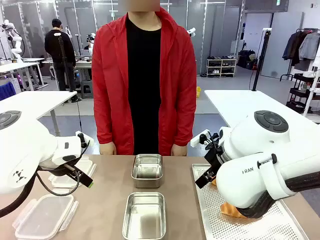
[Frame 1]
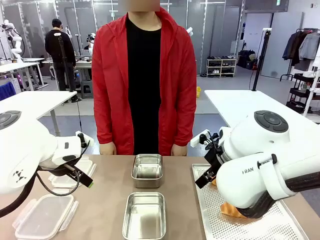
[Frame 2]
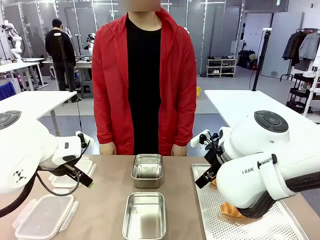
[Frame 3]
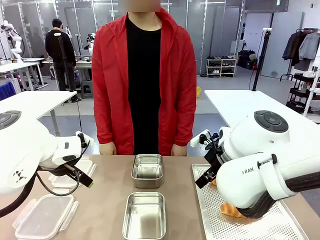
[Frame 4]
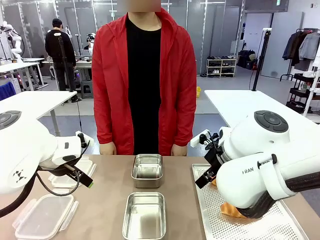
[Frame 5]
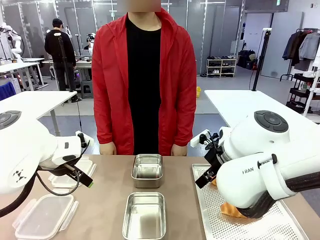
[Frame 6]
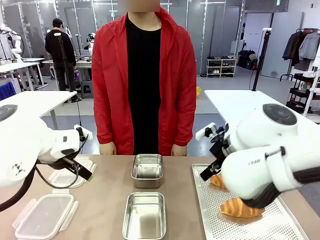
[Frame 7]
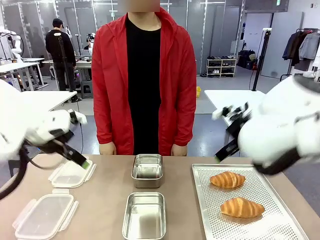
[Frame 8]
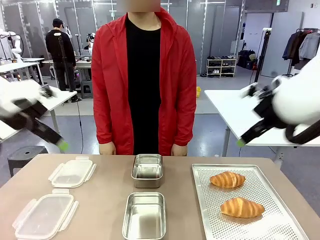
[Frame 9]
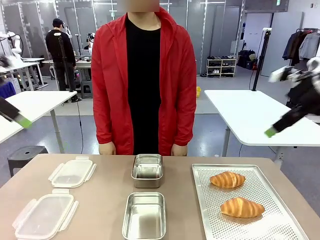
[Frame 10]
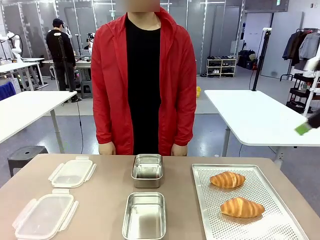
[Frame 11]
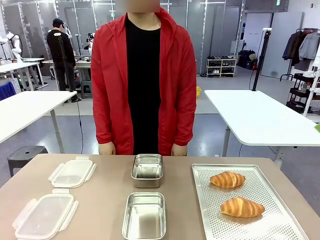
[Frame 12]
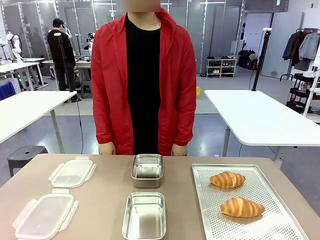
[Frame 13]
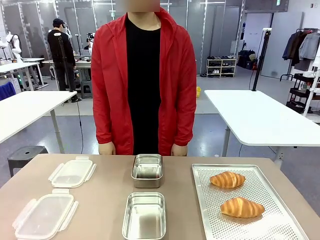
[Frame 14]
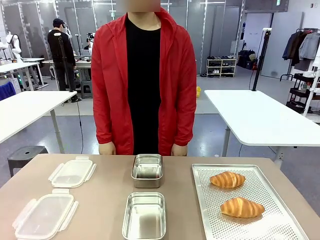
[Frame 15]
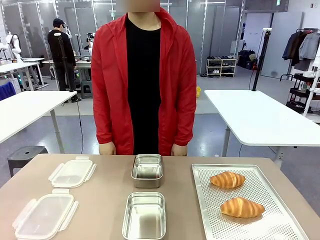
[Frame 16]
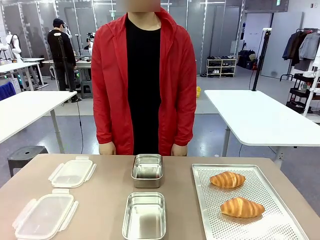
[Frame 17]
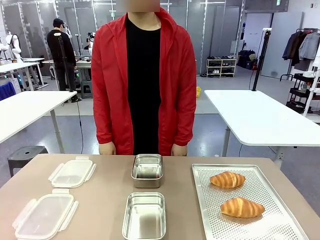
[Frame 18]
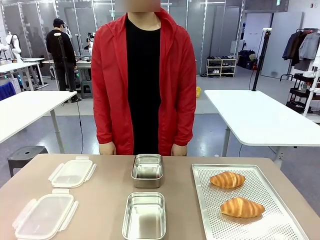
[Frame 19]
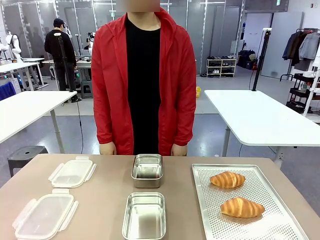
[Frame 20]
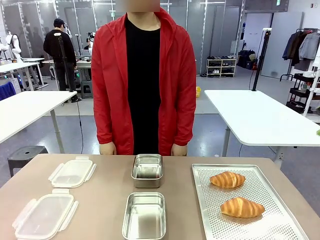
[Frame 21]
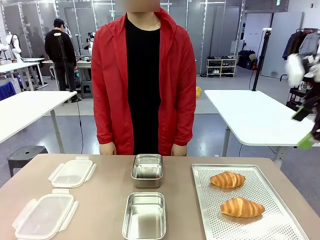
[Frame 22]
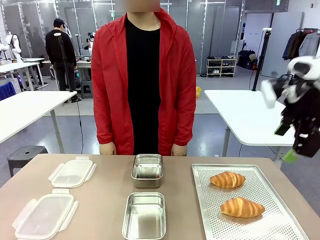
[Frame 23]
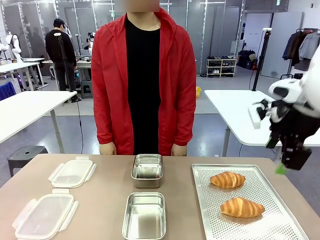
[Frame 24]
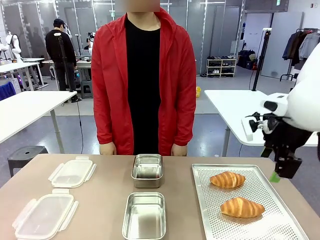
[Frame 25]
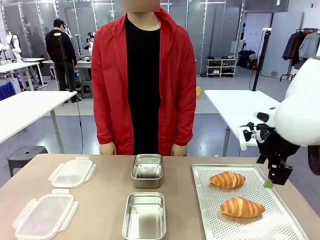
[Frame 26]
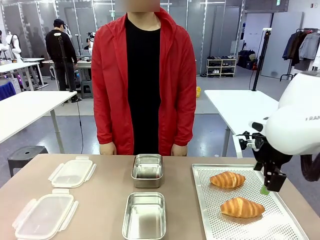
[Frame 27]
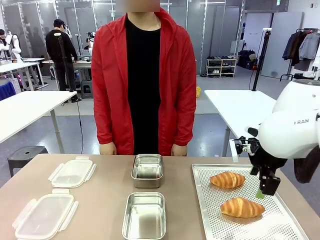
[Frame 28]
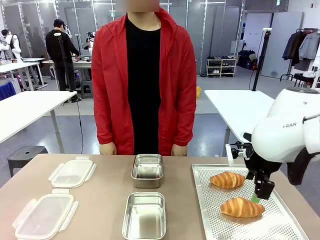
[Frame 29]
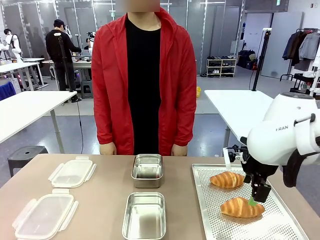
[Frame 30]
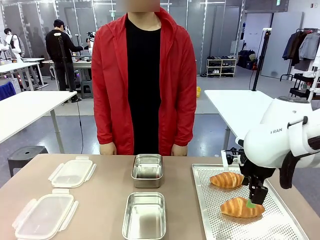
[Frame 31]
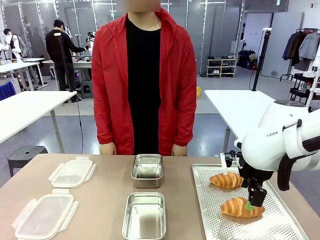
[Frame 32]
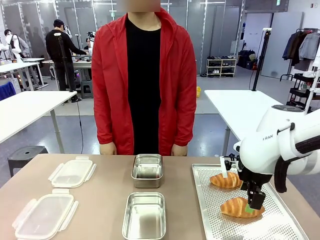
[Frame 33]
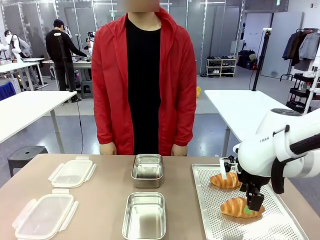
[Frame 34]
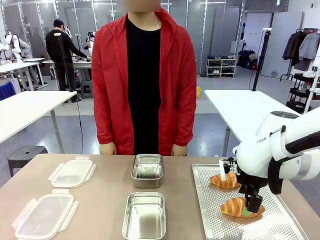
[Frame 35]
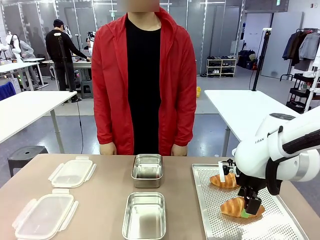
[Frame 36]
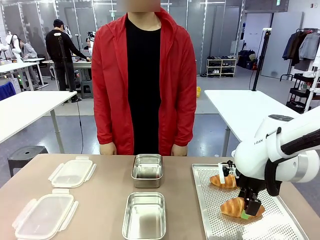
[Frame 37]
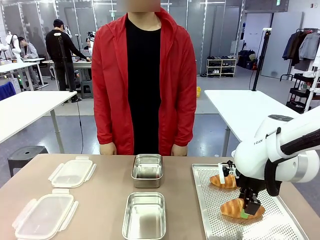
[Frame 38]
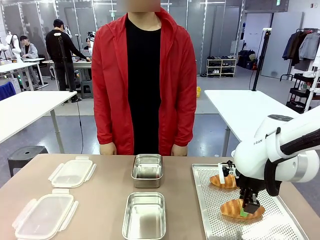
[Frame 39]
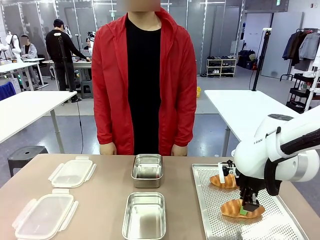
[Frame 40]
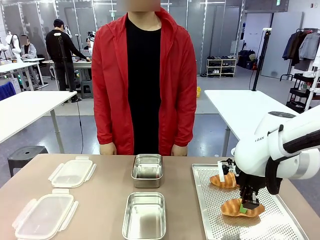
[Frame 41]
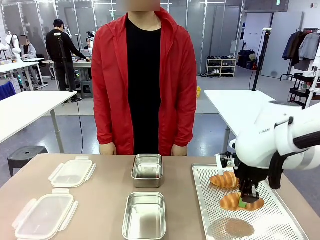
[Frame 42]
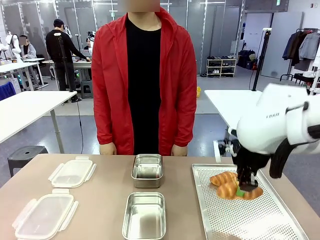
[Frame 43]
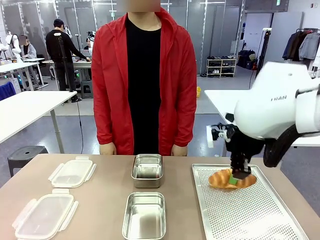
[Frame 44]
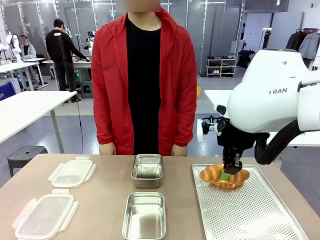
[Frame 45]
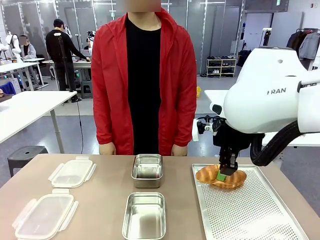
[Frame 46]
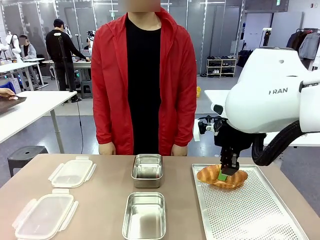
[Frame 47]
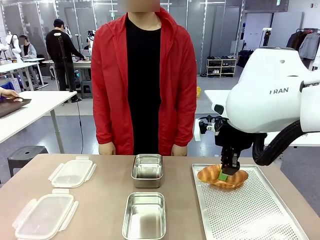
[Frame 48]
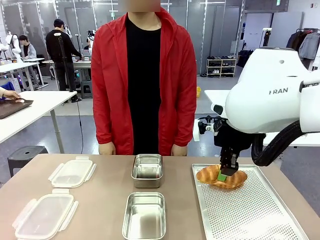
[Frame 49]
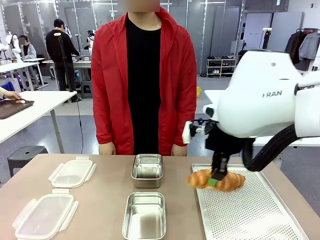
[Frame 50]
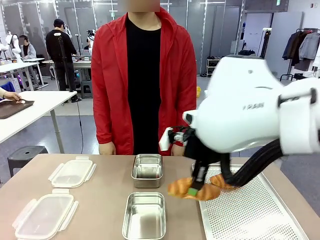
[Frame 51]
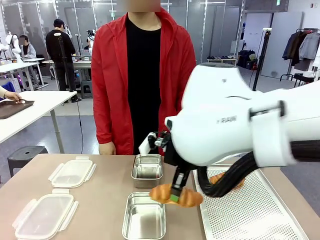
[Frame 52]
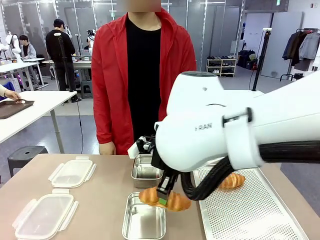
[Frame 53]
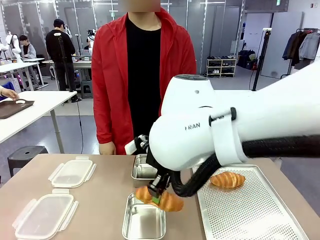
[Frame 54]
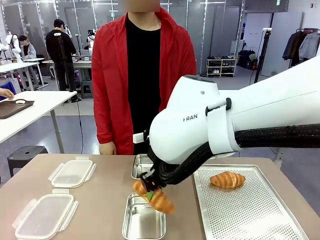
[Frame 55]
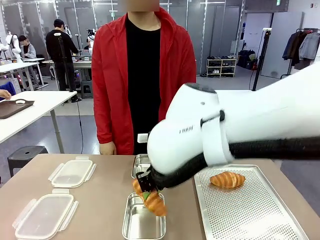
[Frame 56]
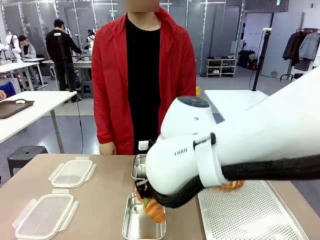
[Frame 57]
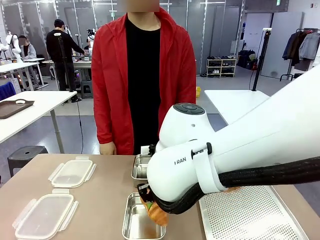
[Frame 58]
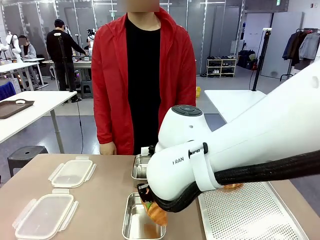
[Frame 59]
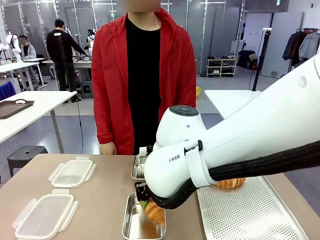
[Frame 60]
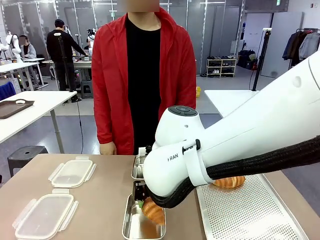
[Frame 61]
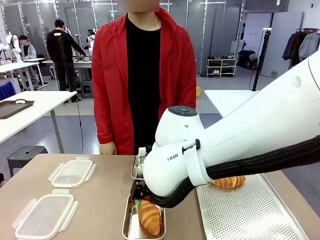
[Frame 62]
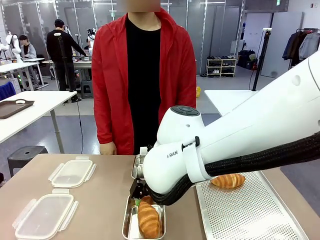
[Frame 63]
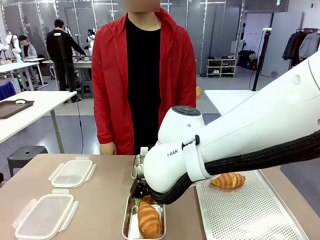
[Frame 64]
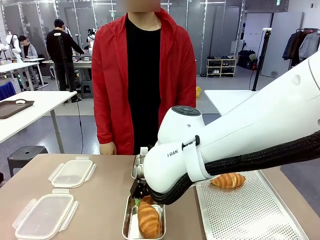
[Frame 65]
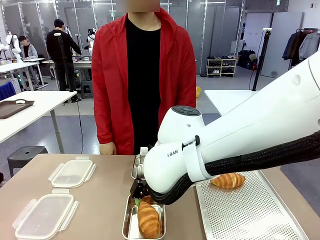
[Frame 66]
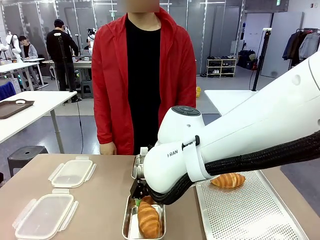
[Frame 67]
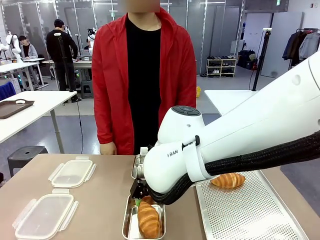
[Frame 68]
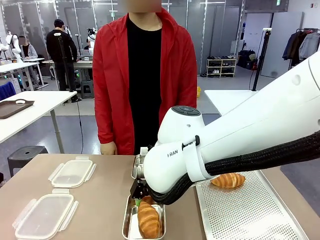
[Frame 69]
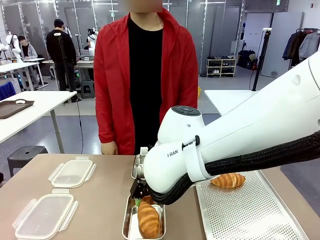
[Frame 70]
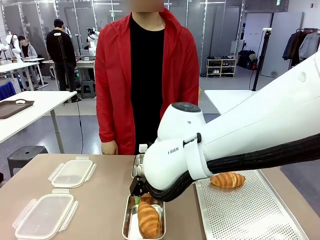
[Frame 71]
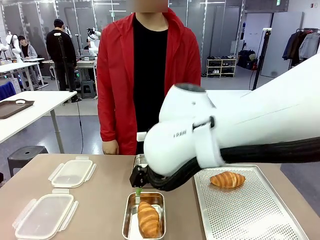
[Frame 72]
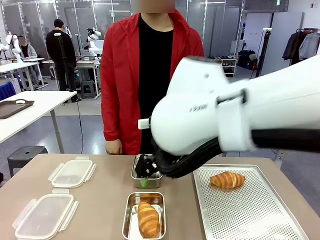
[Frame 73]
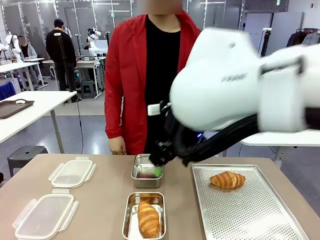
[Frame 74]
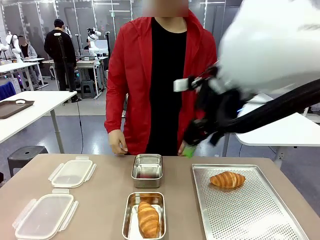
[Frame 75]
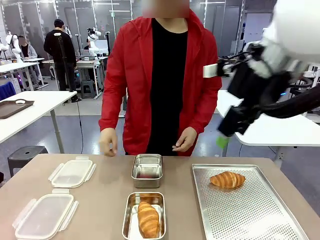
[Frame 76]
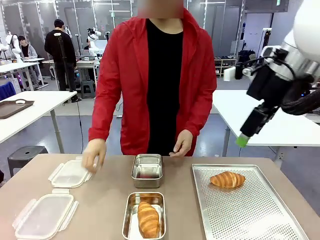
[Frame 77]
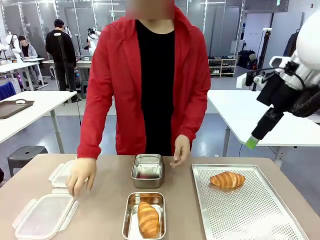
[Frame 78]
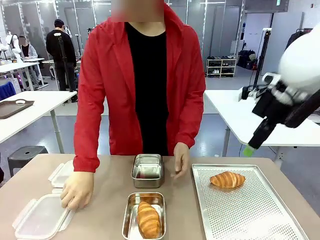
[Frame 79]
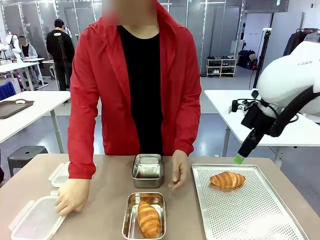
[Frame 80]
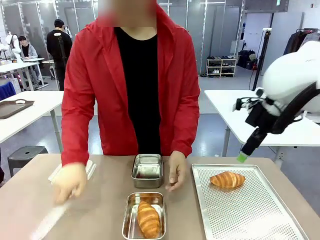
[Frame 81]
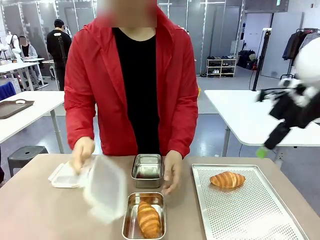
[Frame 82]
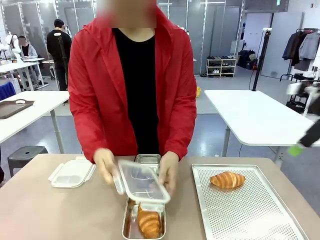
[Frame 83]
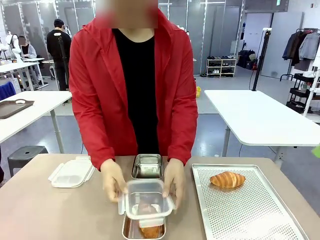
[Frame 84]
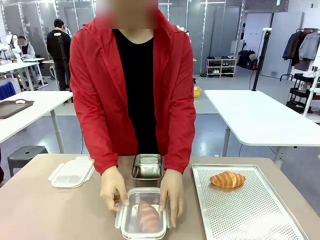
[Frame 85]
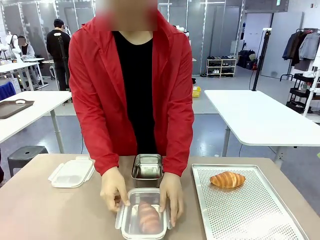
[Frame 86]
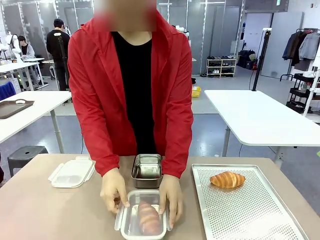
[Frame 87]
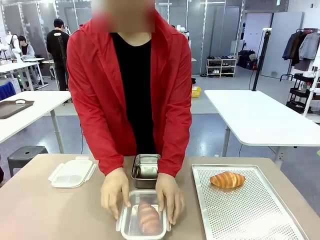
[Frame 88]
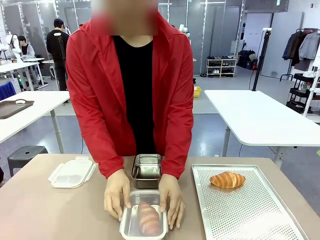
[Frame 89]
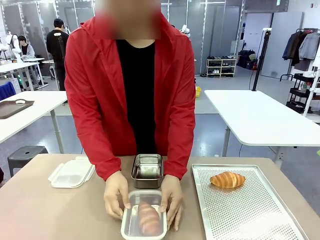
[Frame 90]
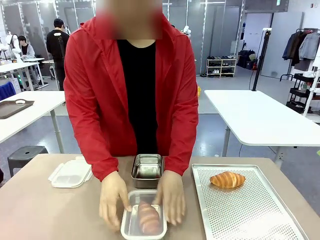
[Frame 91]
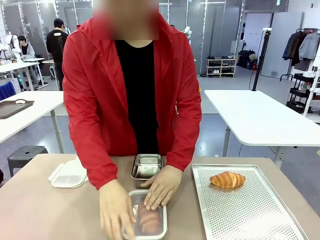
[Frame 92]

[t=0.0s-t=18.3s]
Task: Place the bread into the airtight container.
Robot: Pick up a Butter Roll and place it into an empty Airtight Container.
